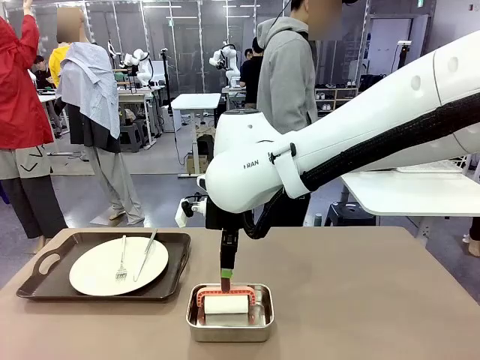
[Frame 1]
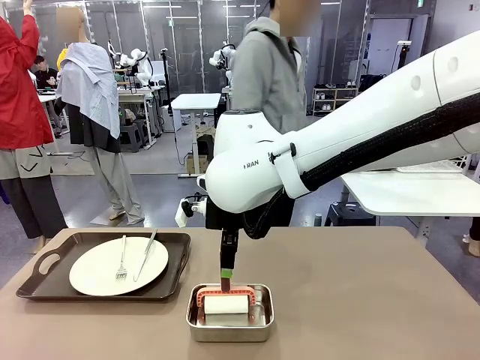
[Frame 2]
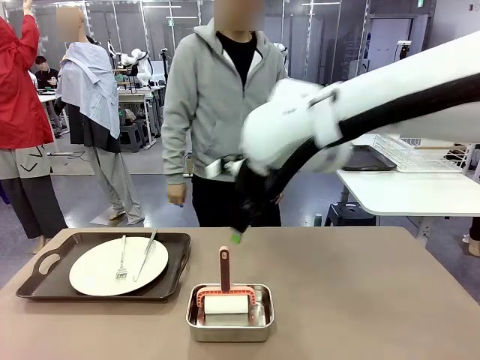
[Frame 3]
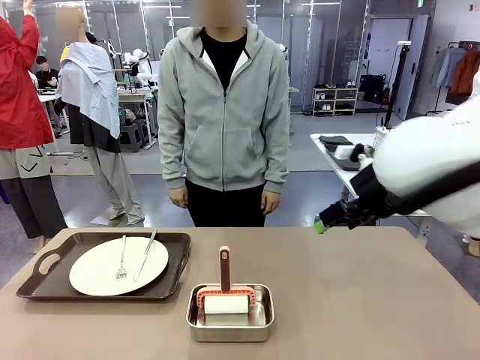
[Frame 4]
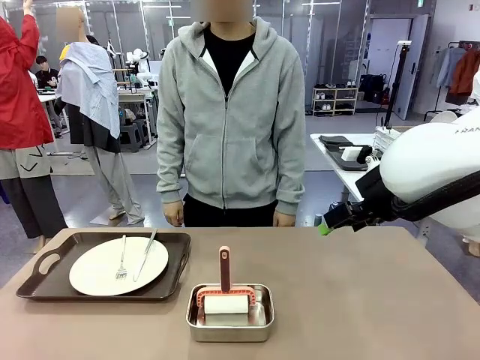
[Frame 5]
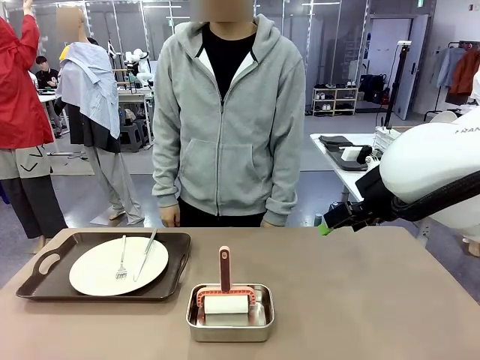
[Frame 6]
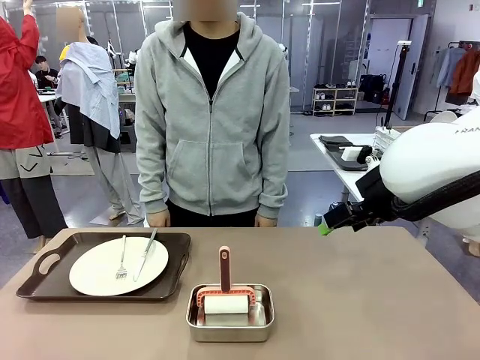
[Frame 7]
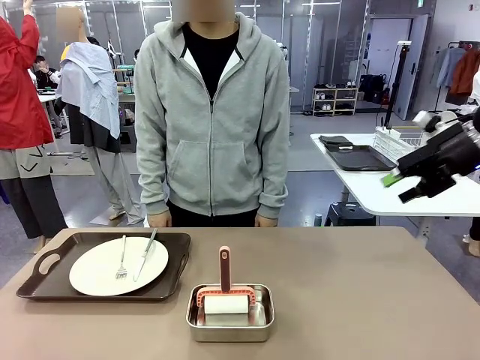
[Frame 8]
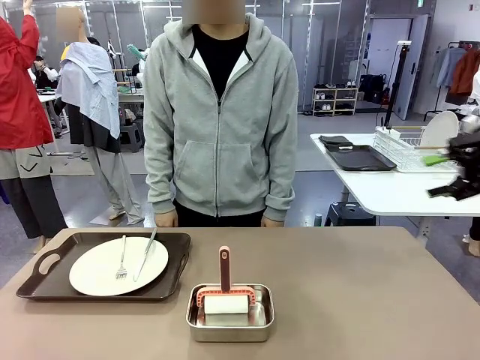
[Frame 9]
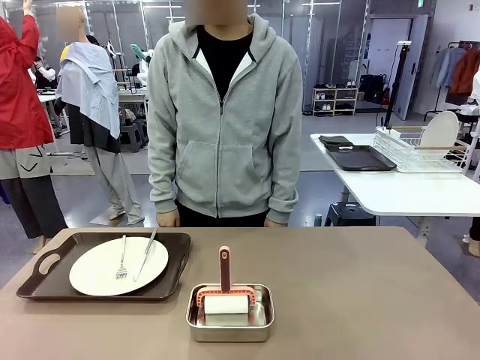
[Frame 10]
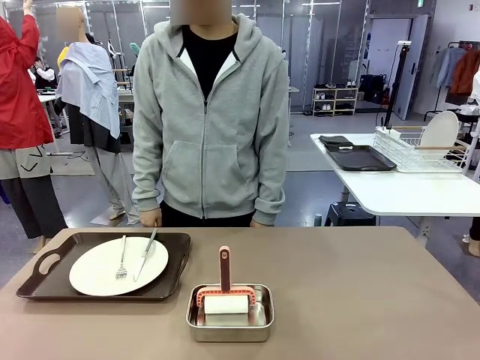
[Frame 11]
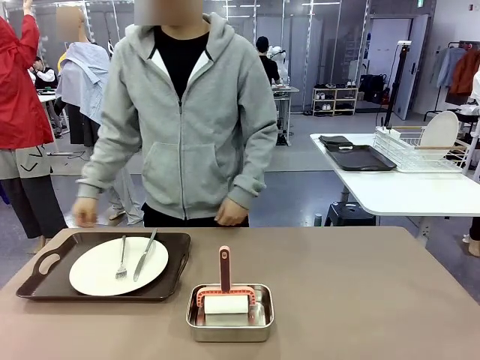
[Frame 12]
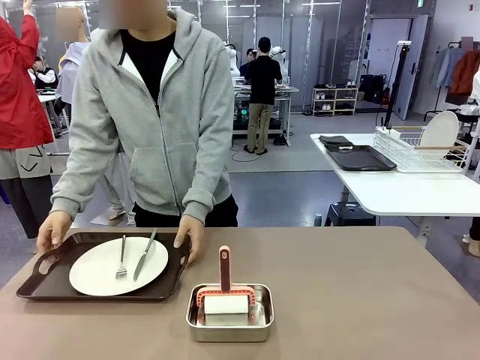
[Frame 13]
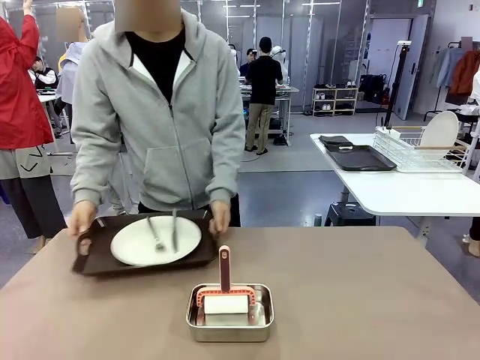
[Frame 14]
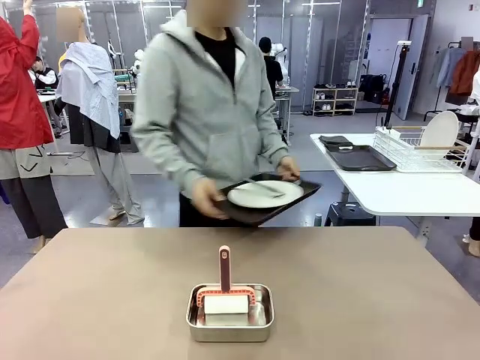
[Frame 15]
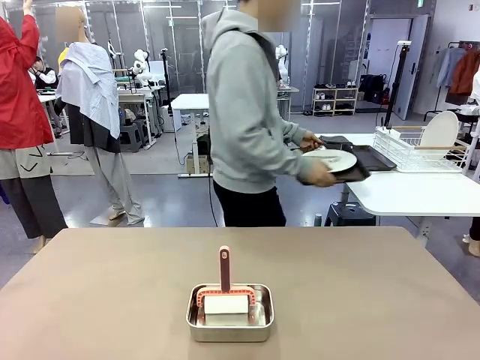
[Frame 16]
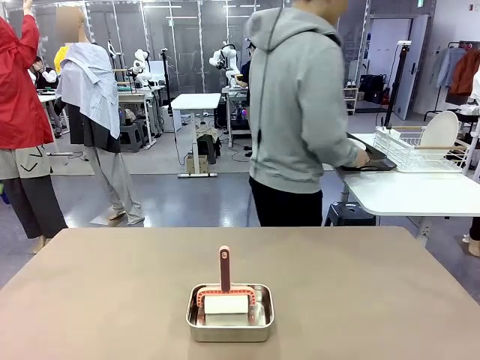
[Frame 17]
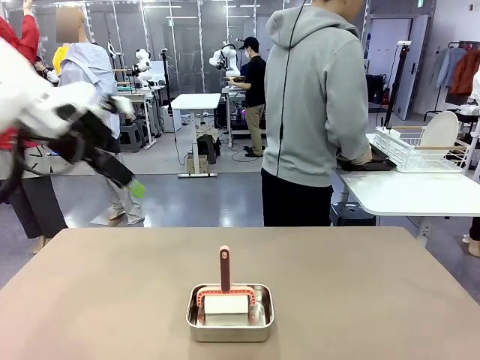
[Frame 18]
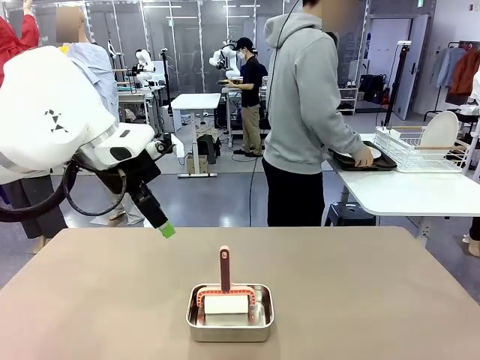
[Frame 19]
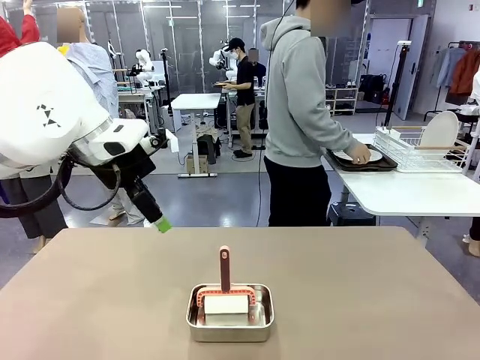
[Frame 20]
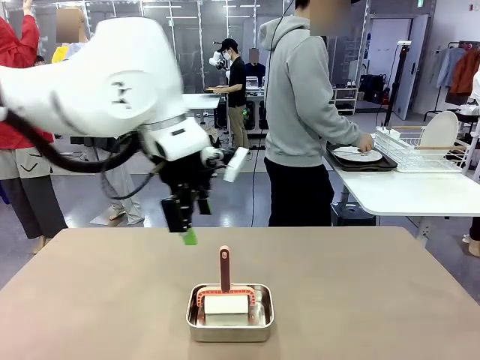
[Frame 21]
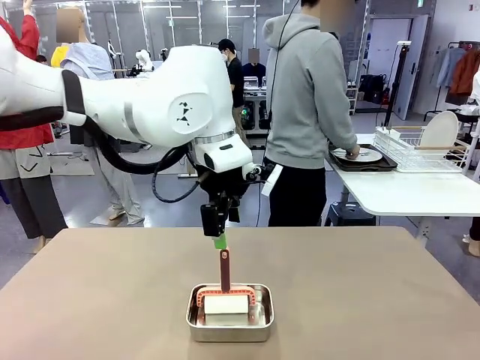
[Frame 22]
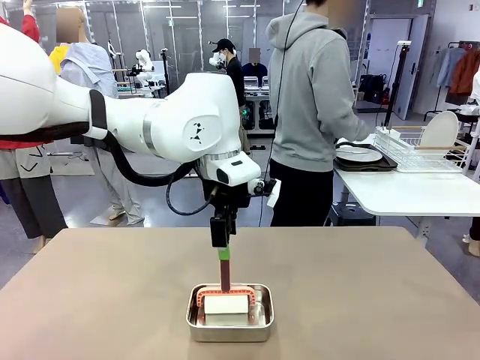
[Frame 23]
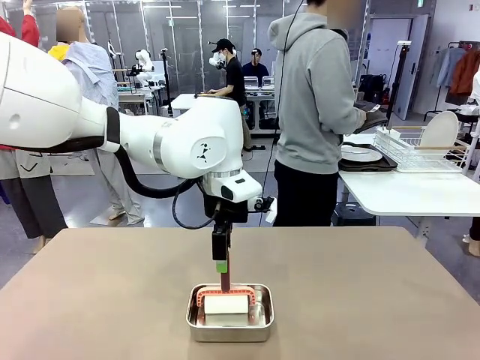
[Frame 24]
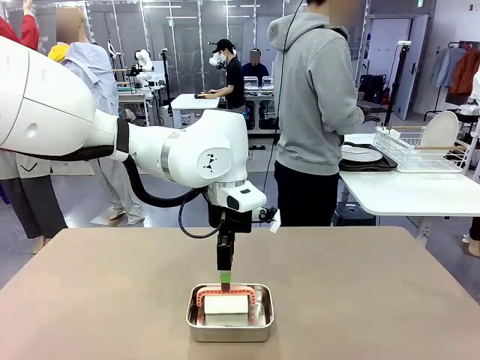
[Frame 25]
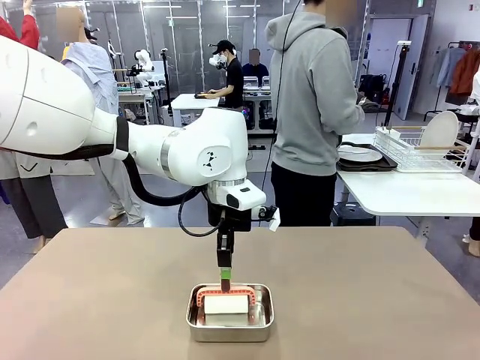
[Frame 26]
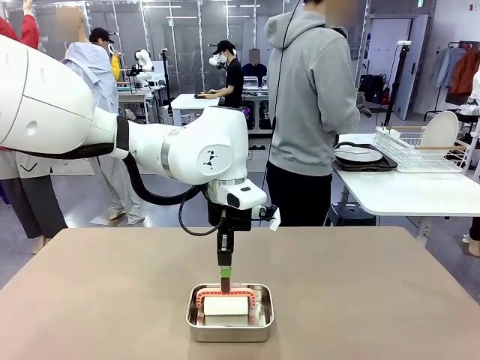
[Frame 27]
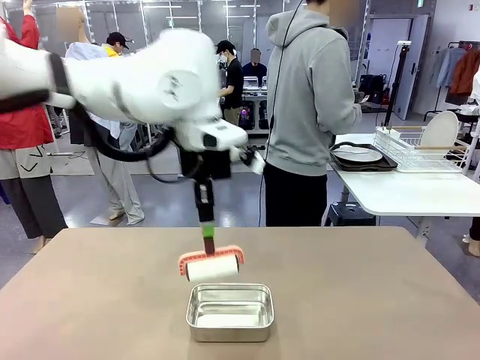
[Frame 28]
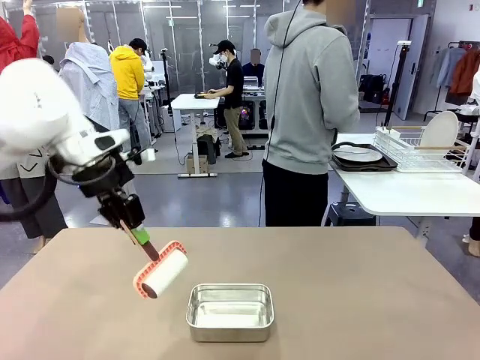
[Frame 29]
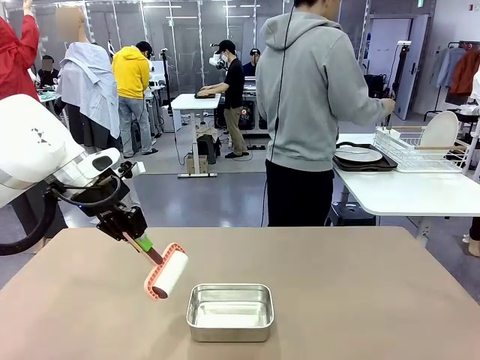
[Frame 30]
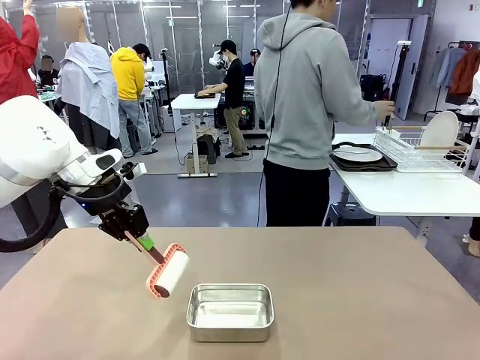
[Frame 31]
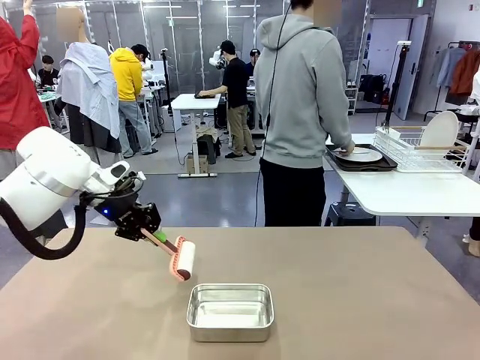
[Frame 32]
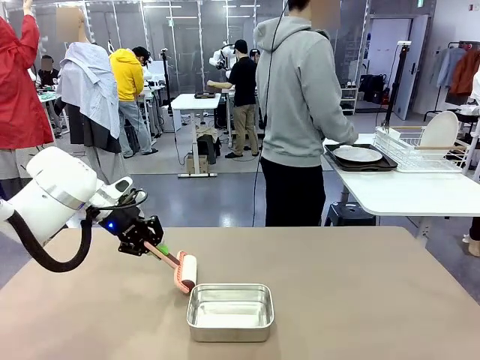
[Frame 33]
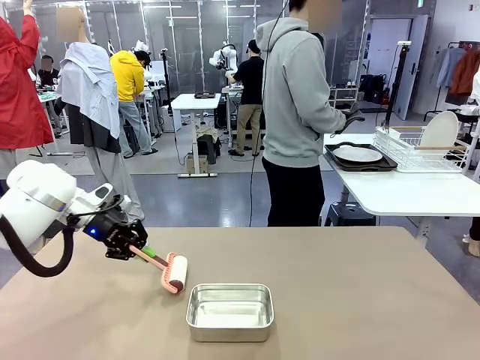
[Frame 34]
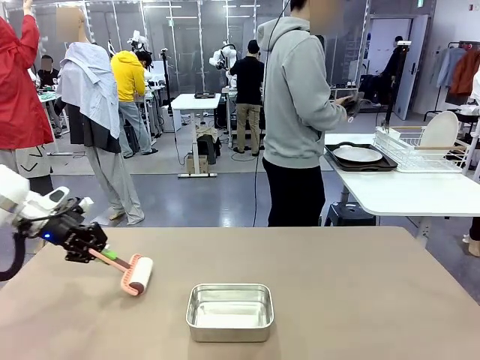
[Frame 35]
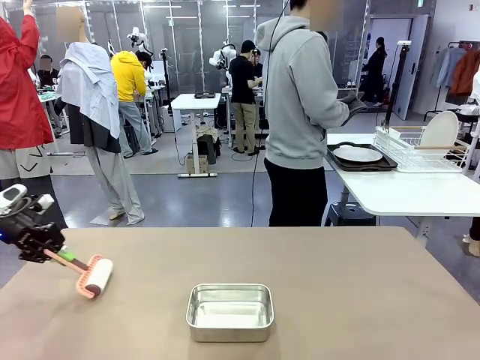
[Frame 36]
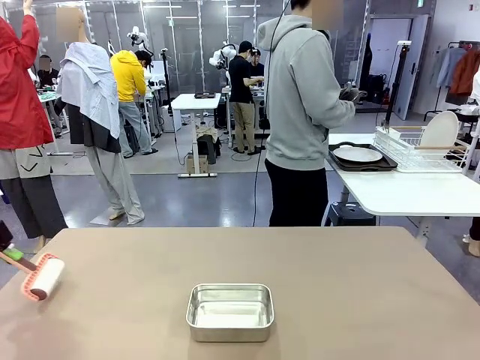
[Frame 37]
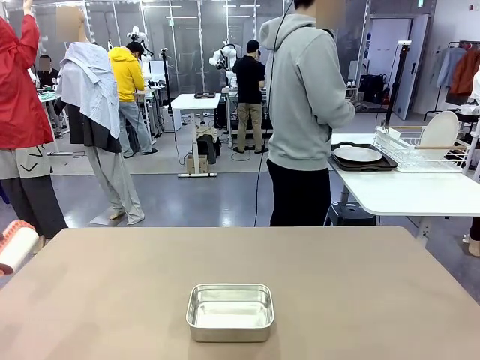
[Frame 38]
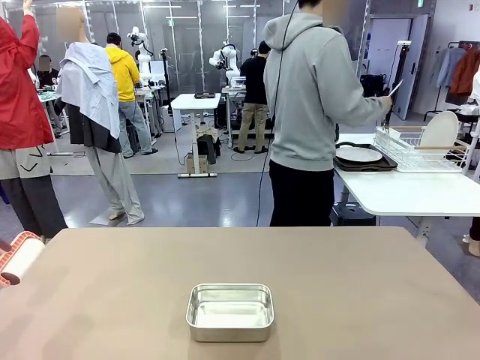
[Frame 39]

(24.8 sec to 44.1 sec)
Robot: When the right (or left) Handle tray is removed, use the right hand (or left hand) to clean the right (or left) side of the table with the Lint Roller.
Person: Pick up the left (or right) Handle tray and place it on the Handle tray.
